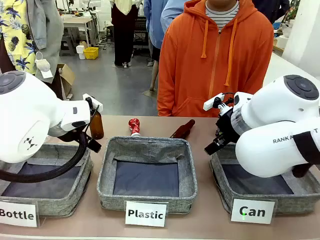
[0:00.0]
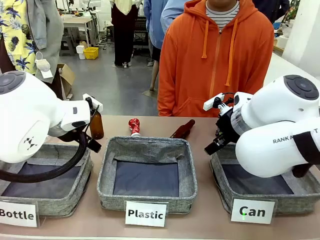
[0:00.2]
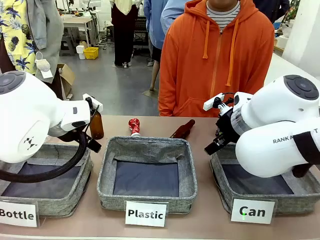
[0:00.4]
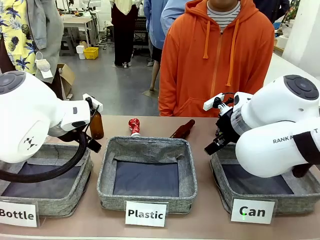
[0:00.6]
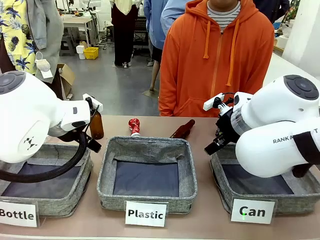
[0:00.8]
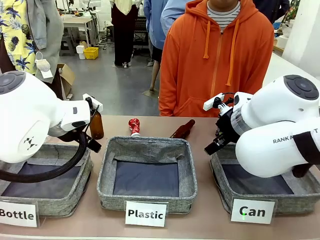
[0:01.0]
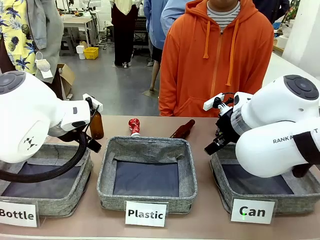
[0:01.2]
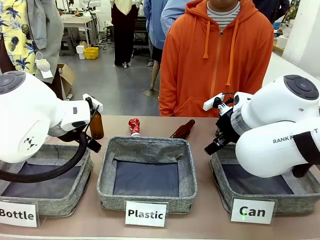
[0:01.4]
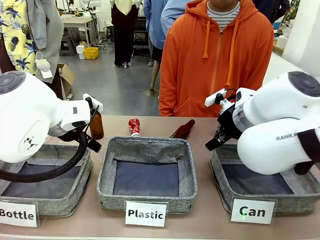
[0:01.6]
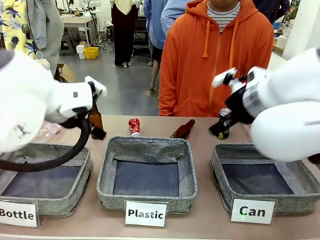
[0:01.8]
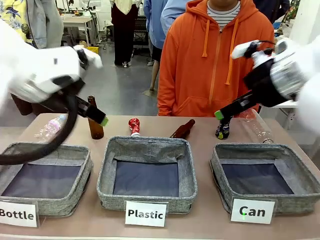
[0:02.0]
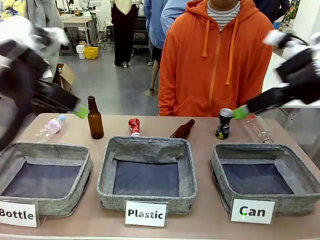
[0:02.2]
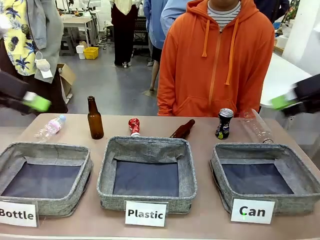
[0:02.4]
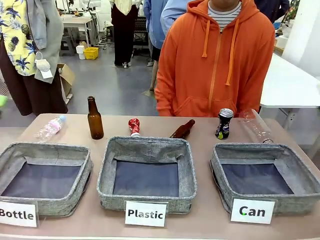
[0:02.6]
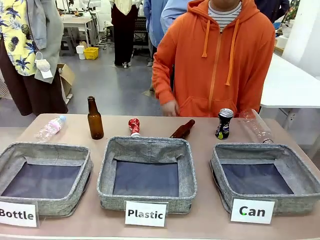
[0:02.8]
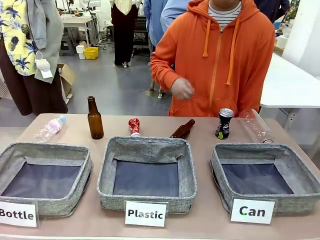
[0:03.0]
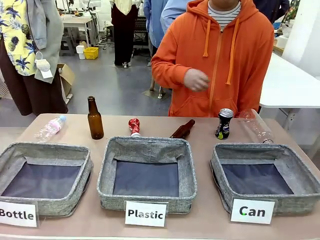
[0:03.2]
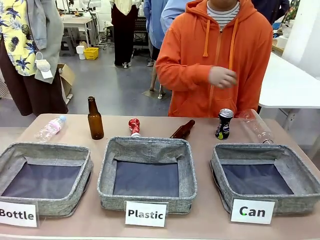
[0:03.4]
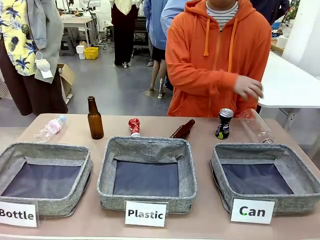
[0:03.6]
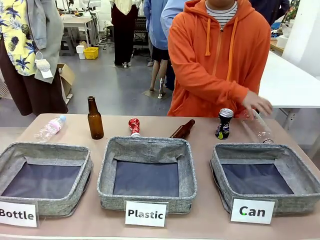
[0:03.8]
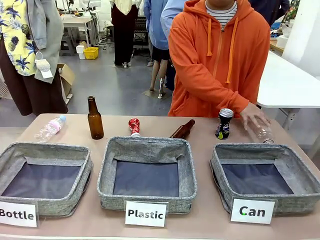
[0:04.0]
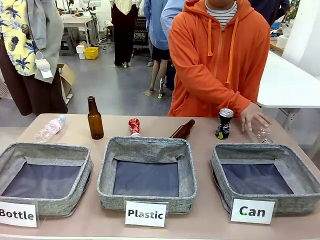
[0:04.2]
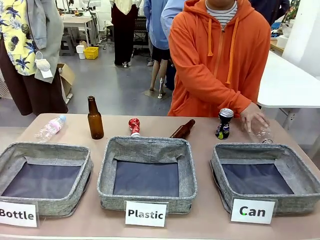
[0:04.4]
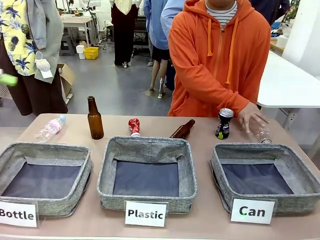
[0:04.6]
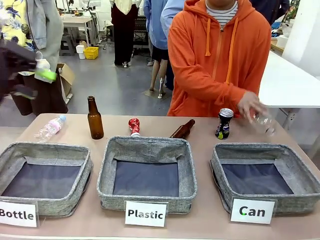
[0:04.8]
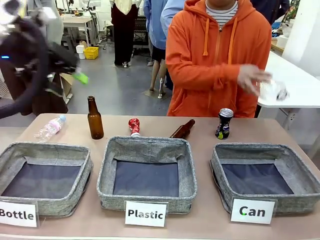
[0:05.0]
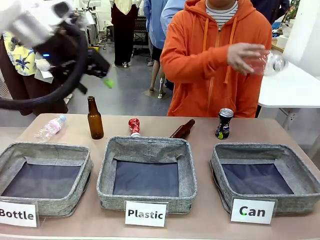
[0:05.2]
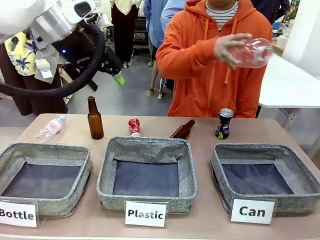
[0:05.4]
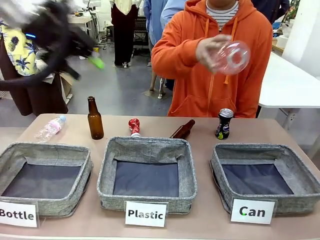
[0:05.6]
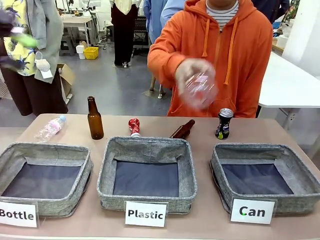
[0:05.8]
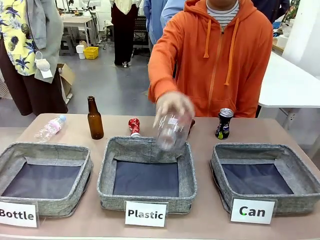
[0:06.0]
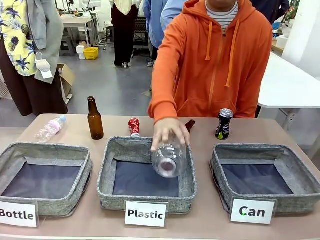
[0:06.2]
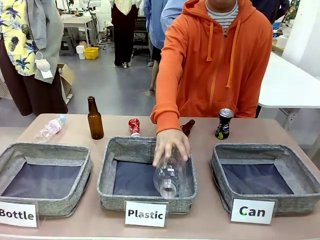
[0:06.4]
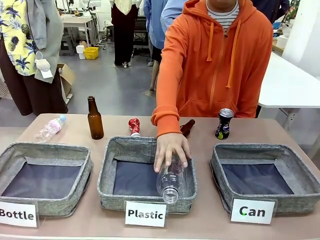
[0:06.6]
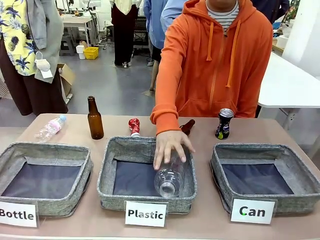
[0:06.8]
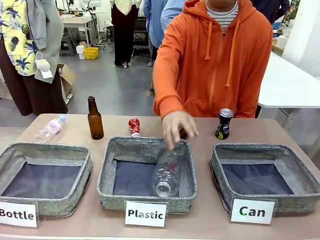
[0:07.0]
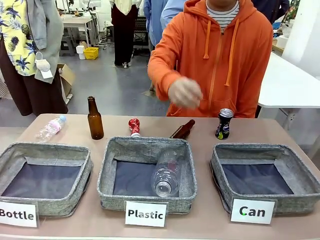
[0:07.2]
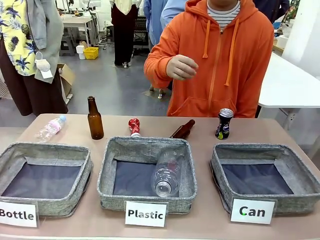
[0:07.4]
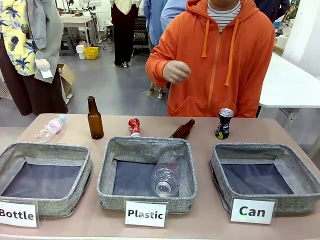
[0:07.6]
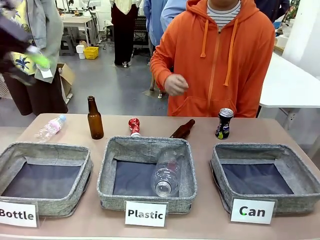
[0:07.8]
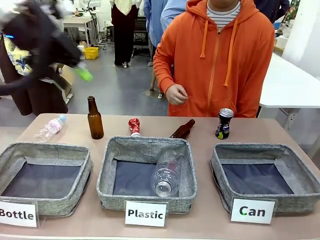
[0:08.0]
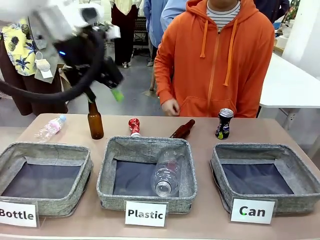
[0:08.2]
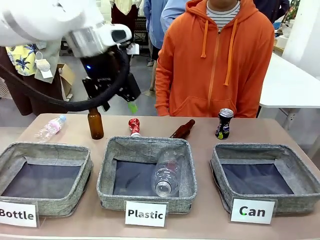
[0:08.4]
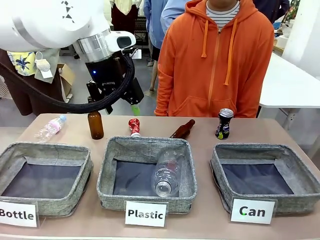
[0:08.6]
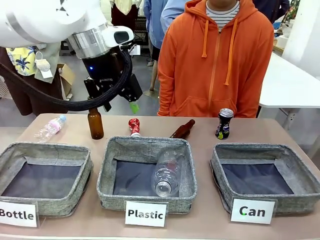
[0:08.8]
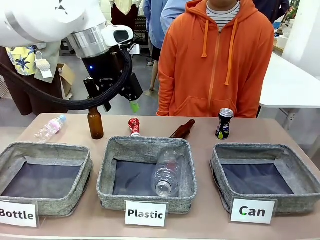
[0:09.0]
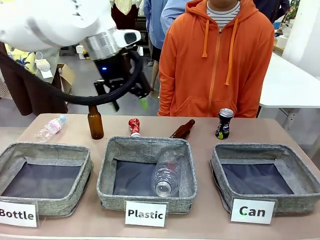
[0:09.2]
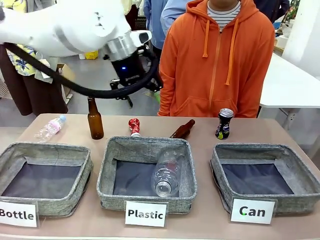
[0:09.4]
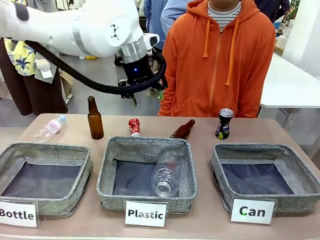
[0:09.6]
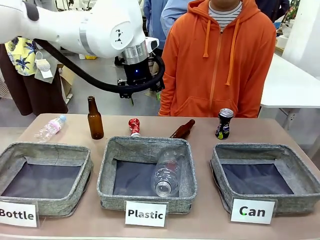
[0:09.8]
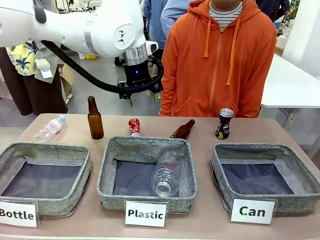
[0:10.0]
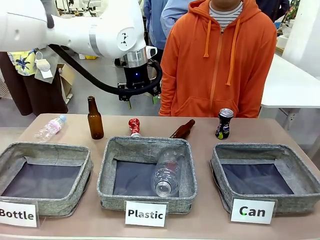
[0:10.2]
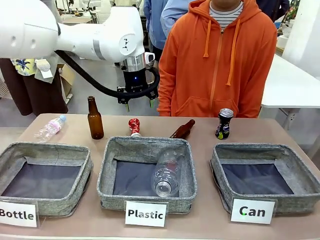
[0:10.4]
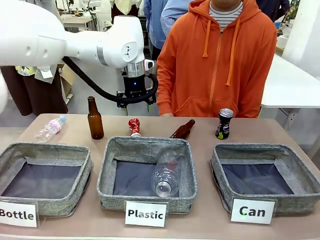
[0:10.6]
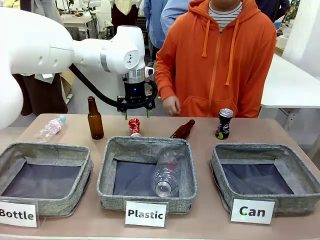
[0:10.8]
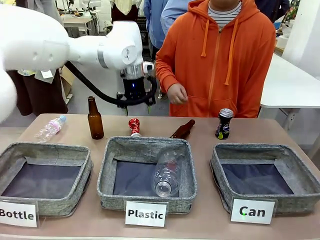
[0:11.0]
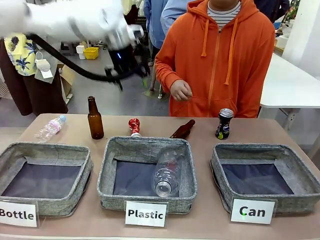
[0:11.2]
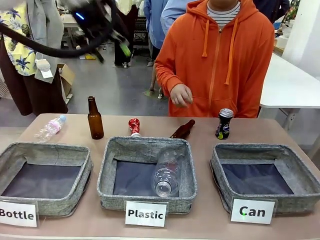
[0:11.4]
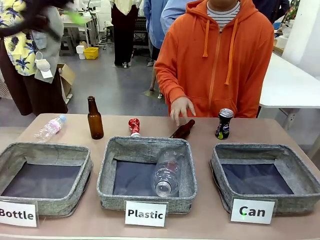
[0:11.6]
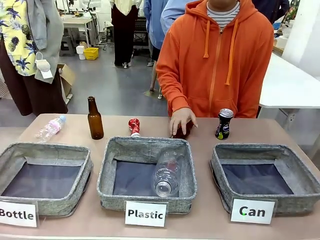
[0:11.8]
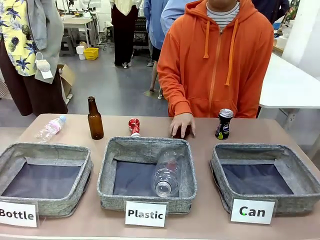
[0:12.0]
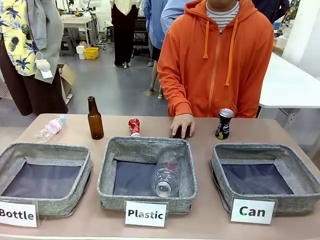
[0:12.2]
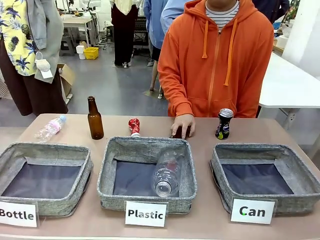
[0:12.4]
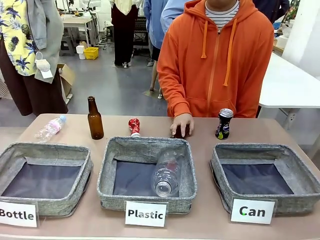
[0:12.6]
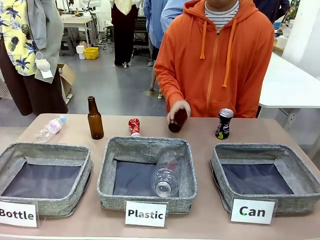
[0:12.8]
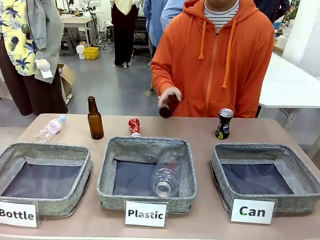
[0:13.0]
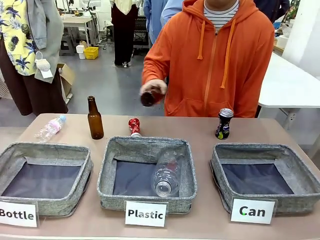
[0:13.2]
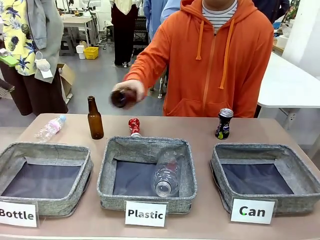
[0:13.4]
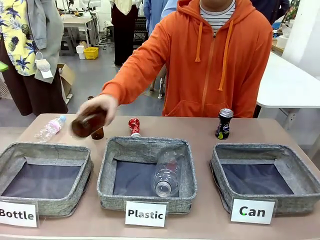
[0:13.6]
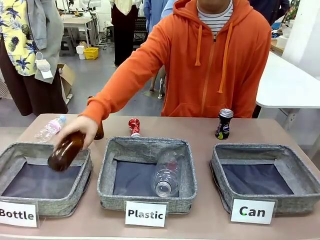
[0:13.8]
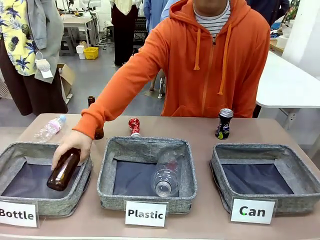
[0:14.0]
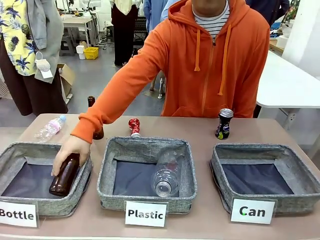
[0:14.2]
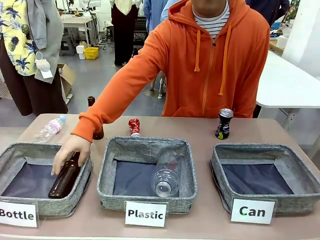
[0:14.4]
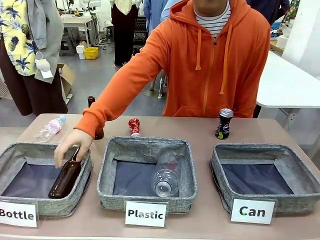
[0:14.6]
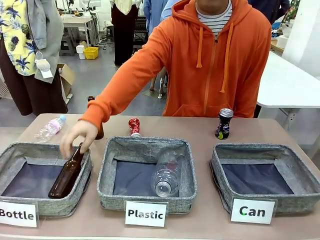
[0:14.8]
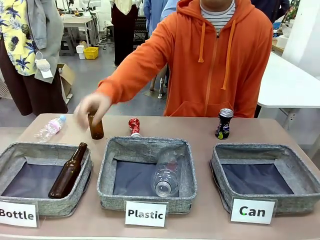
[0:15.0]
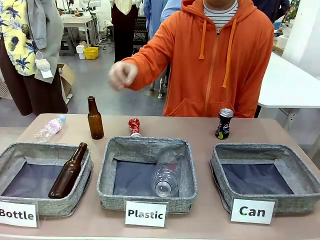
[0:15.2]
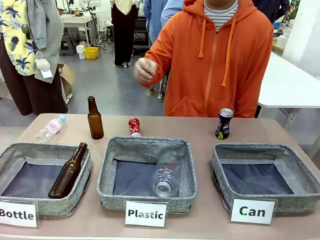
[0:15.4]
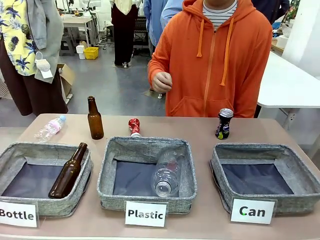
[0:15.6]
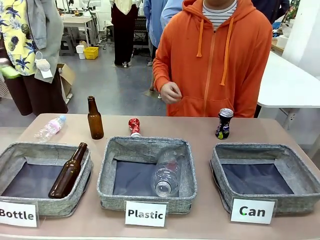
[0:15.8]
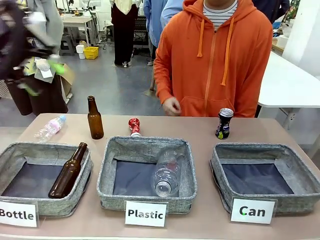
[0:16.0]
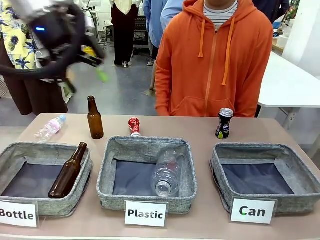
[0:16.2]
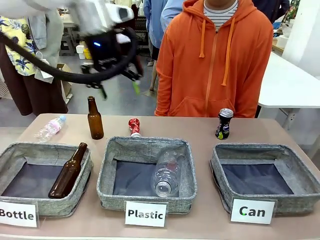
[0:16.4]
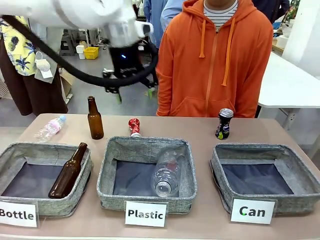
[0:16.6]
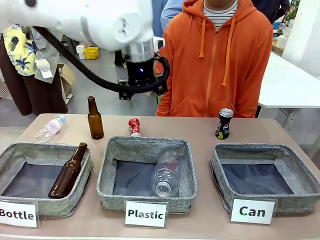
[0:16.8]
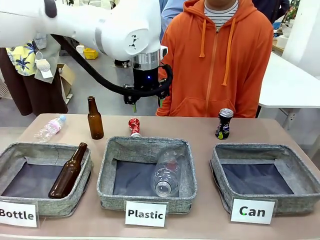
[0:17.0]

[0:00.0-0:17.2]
Task: Sort the can waste into the basket.
Robot: Pick up the can waste from the table and place it in the right Fabric basket.
